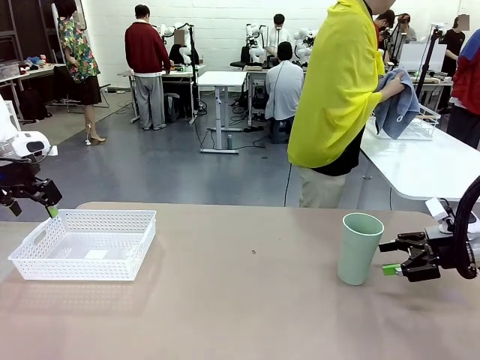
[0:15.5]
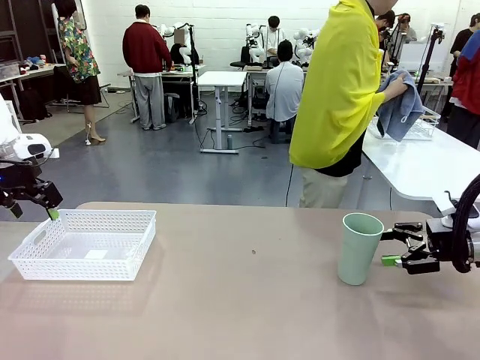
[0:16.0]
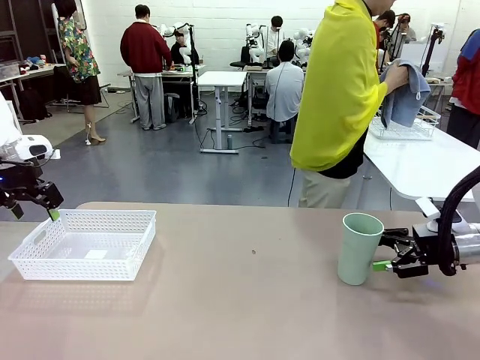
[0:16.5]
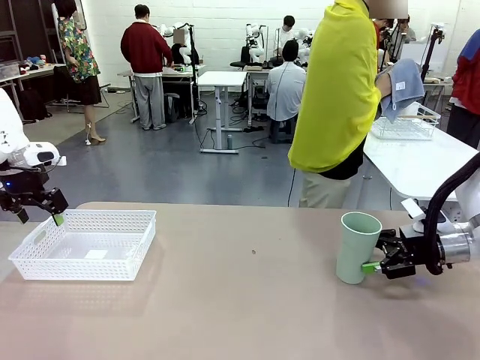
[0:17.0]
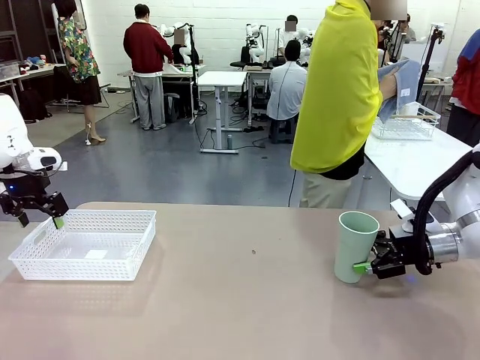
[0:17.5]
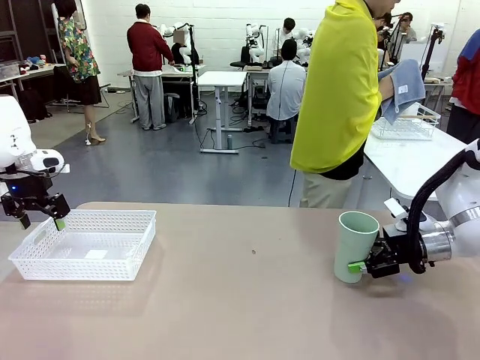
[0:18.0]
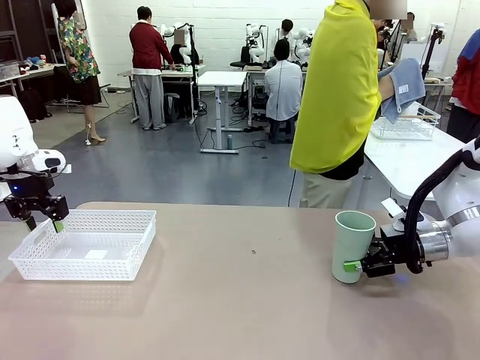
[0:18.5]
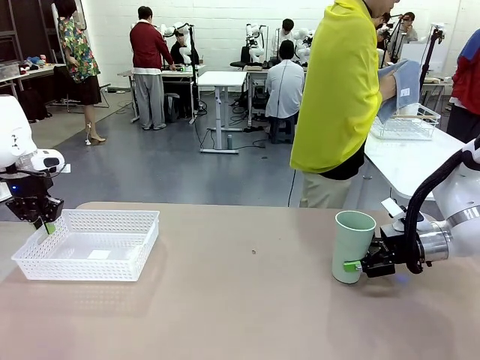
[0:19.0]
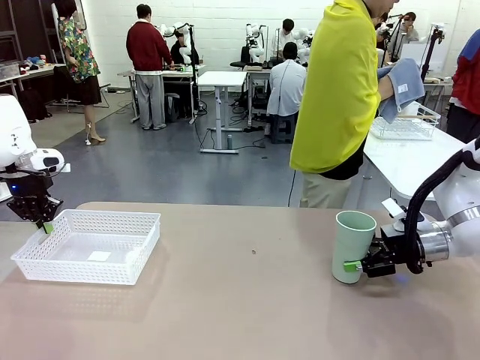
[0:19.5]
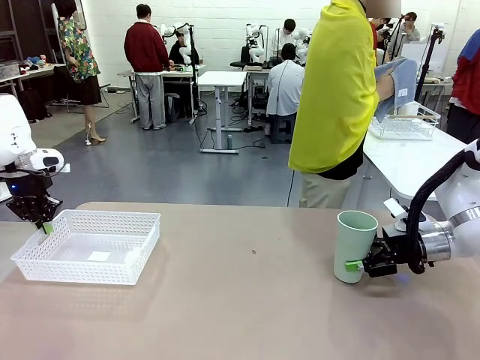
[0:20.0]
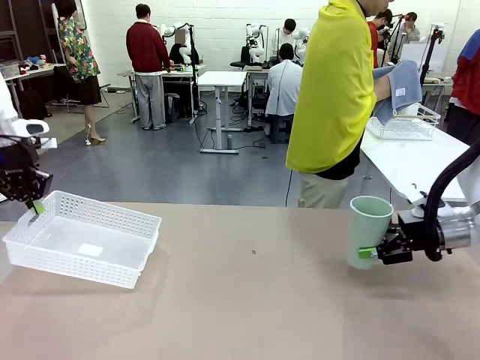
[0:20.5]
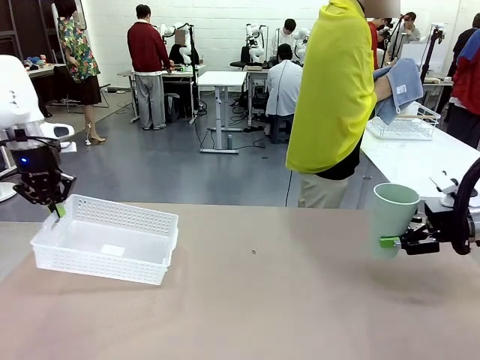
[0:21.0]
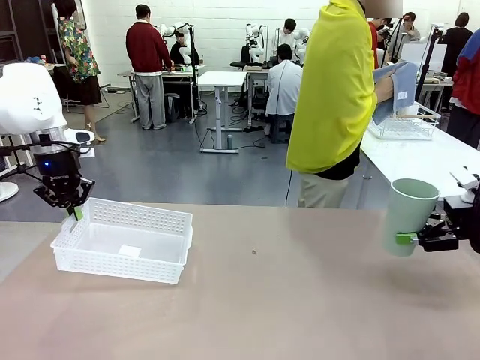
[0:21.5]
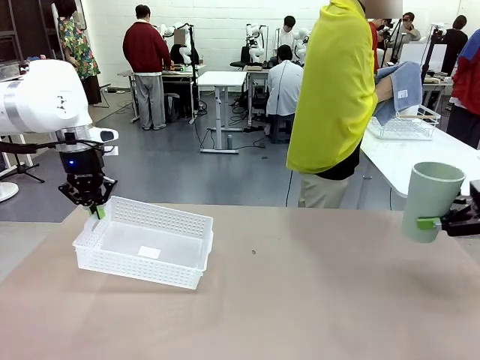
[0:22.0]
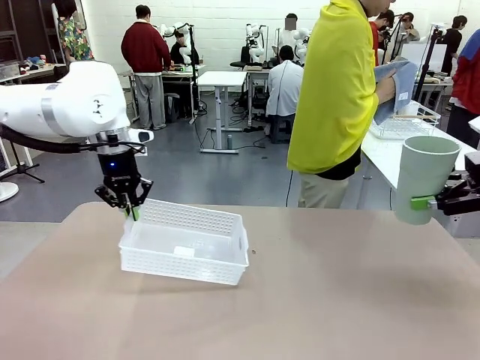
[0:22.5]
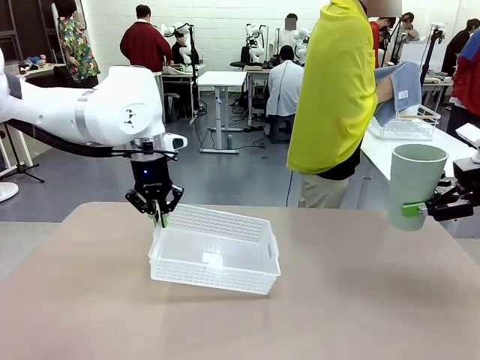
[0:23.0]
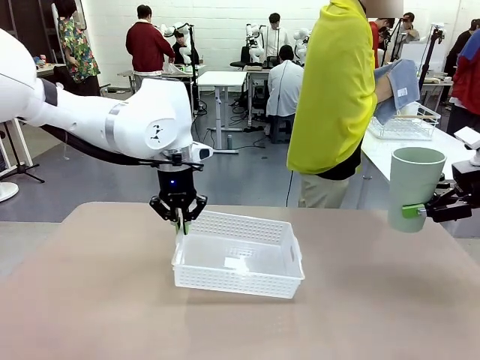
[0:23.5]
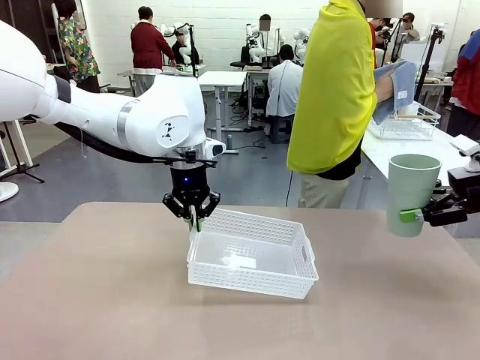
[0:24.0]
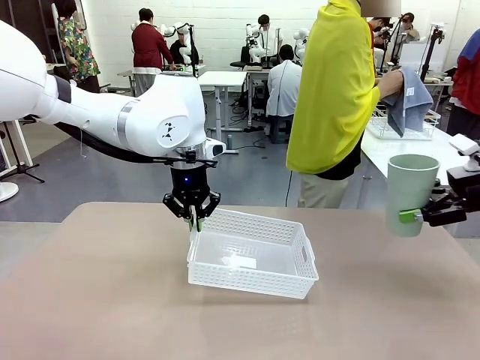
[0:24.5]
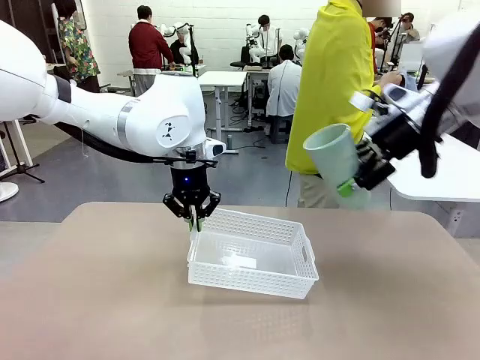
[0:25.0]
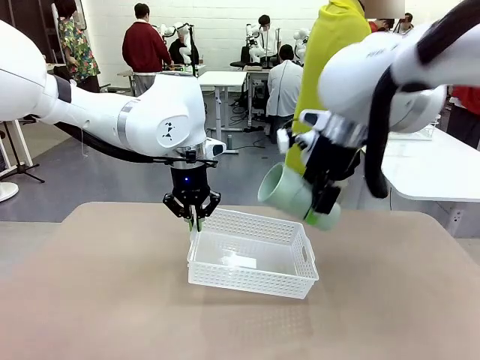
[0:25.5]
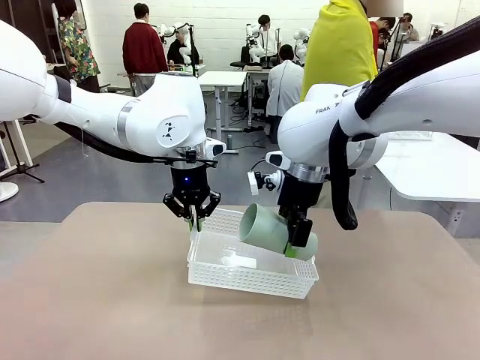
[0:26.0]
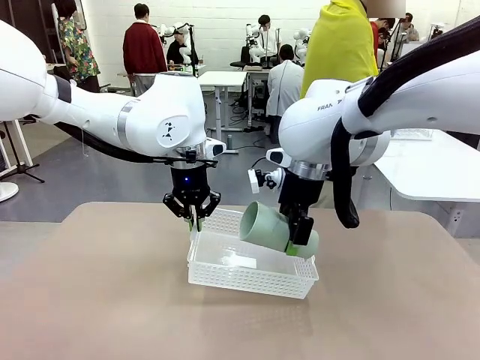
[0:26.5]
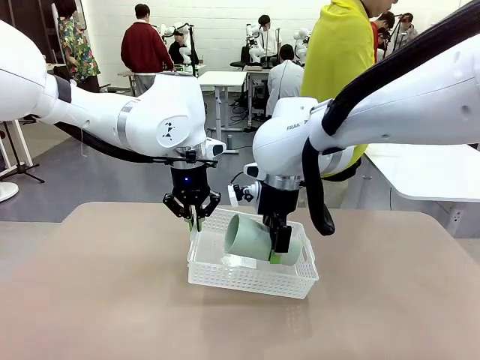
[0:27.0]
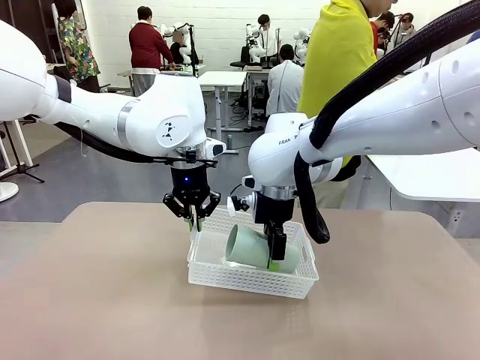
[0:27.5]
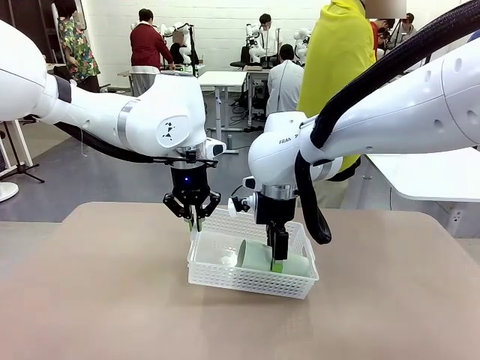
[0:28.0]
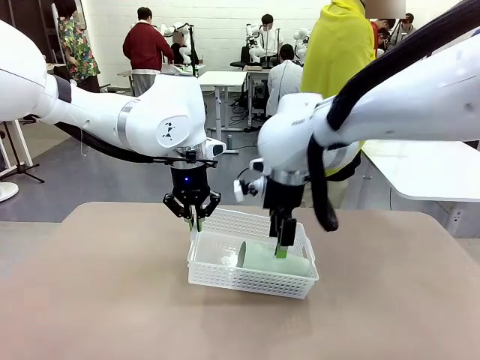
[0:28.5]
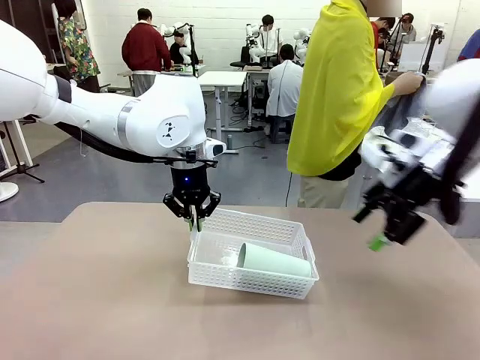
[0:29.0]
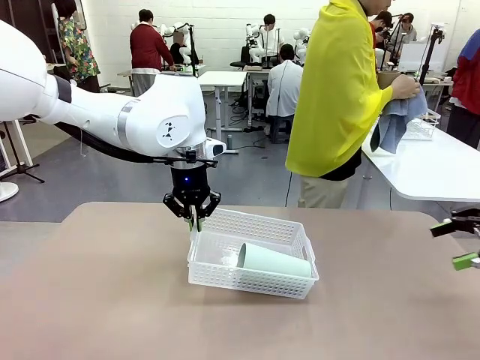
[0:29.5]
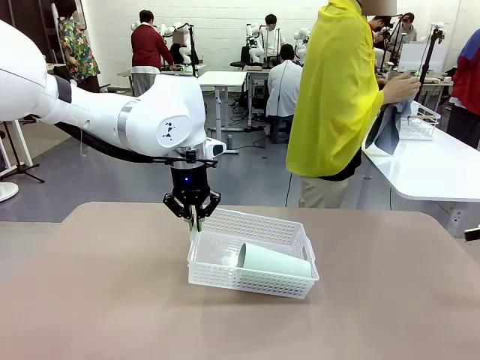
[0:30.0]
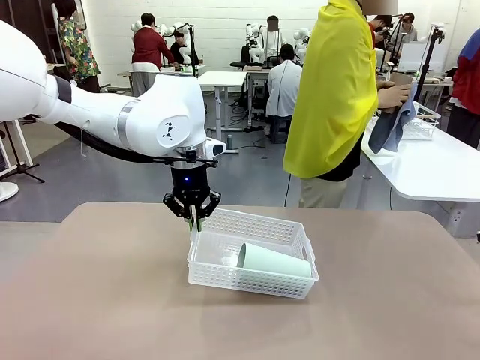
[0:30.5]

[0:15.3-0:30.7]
Task: Clean and organize the cups into the basket.
Robot: Pick up the Organizing basket and move it to the center of the table, then pick up the Reusable plastic cup from the right side of the table and place it inside the Organizing basket.

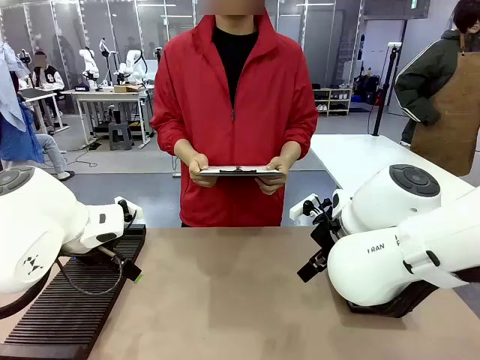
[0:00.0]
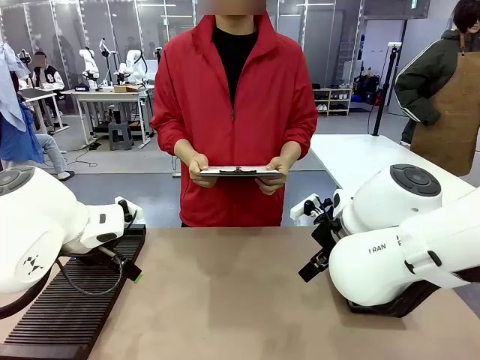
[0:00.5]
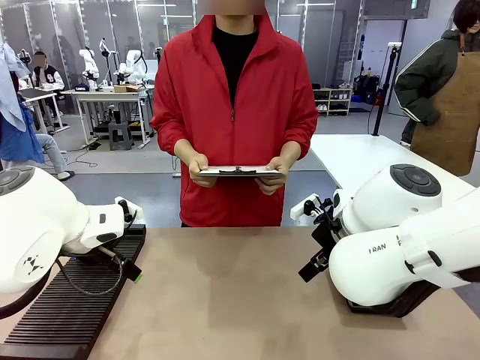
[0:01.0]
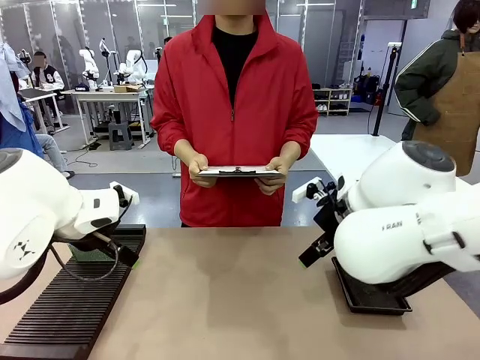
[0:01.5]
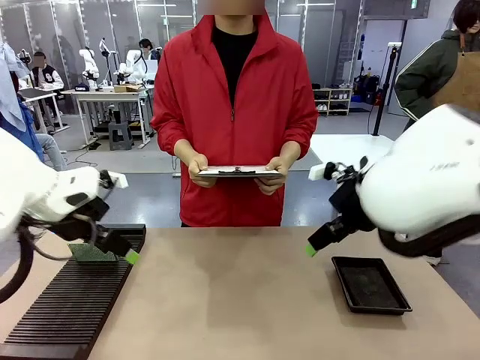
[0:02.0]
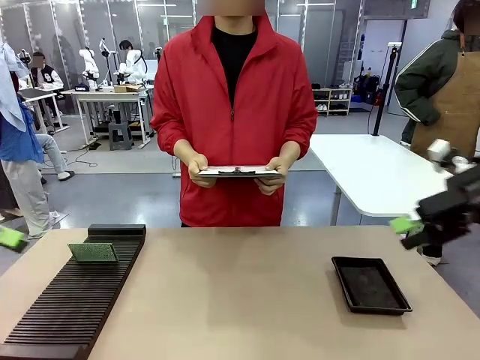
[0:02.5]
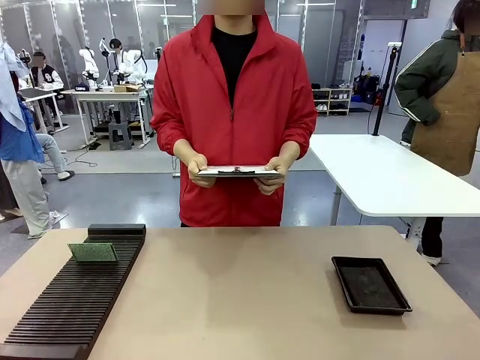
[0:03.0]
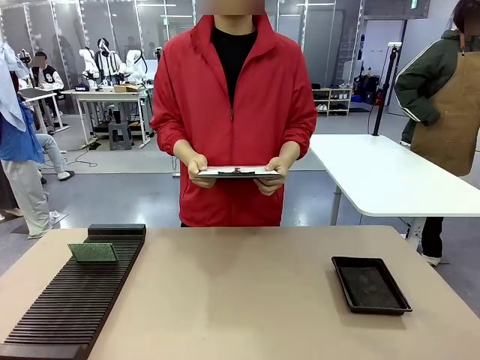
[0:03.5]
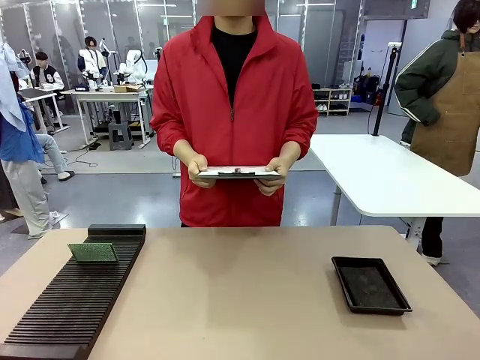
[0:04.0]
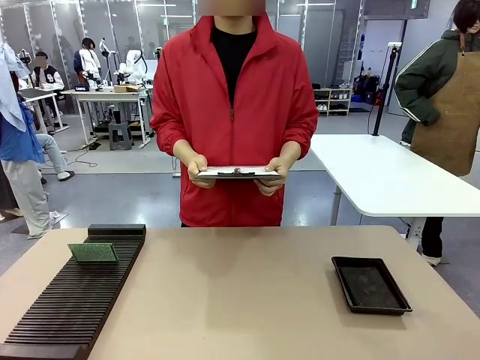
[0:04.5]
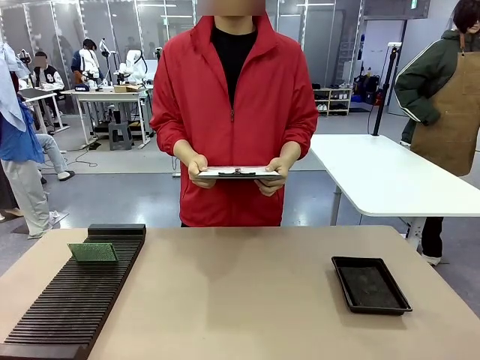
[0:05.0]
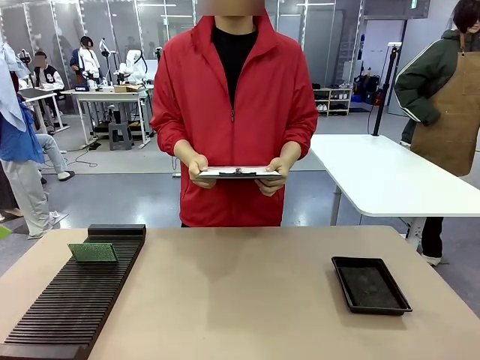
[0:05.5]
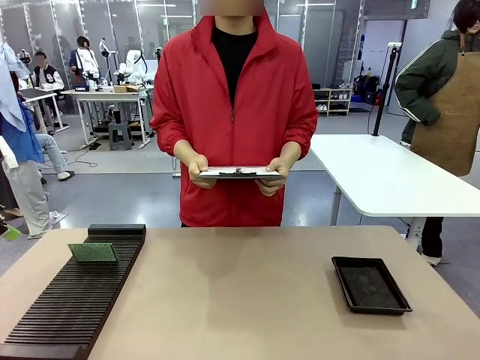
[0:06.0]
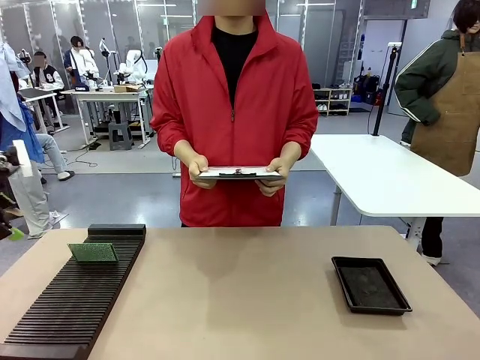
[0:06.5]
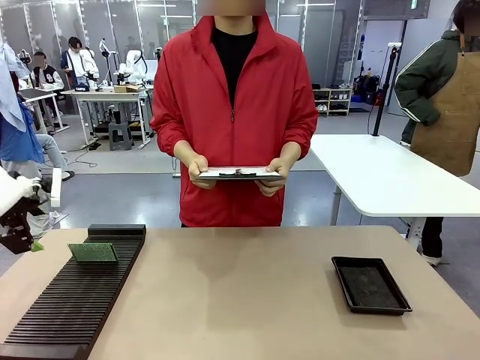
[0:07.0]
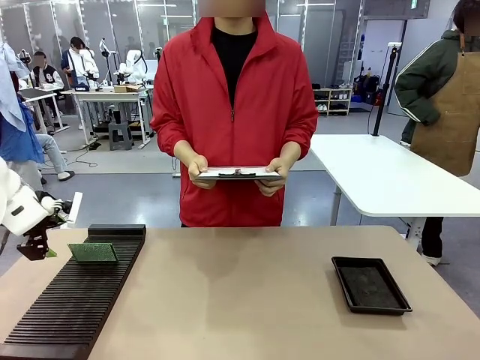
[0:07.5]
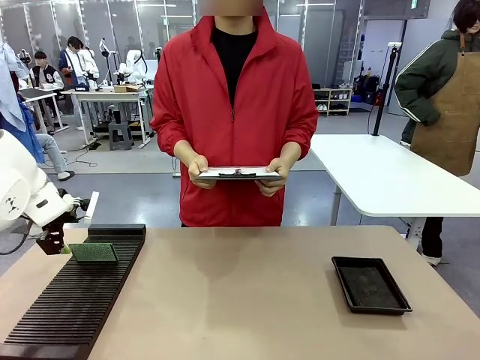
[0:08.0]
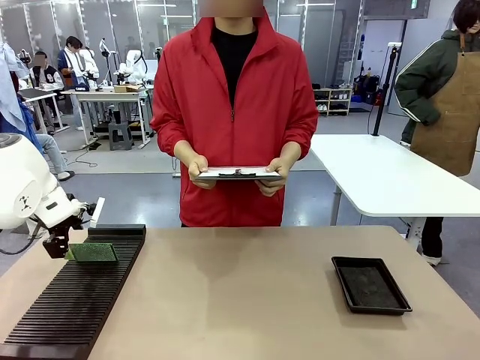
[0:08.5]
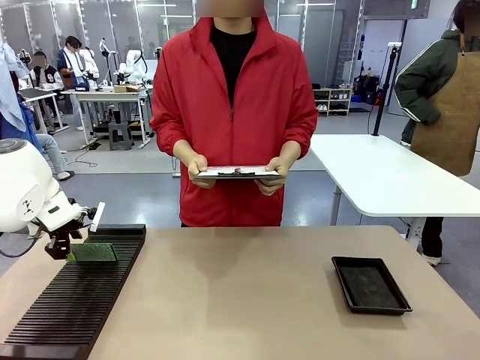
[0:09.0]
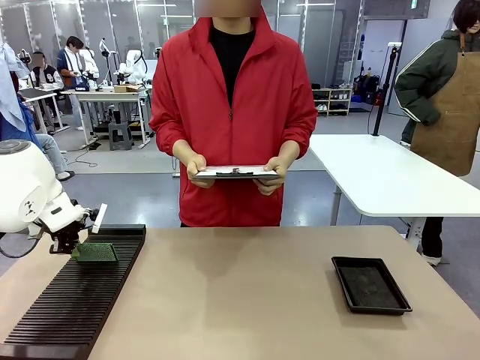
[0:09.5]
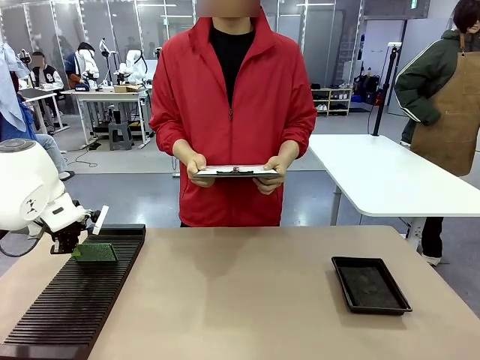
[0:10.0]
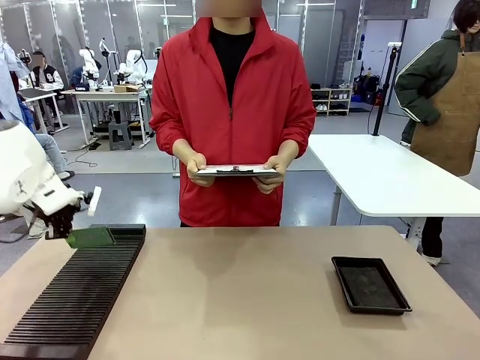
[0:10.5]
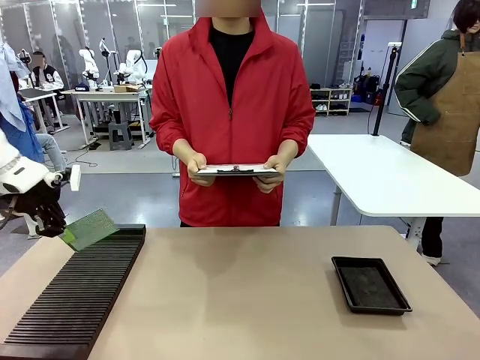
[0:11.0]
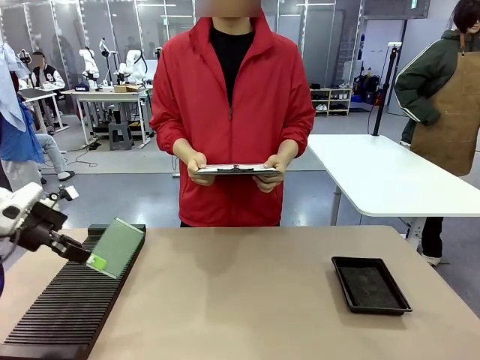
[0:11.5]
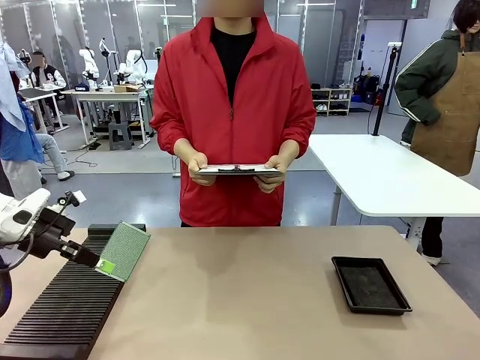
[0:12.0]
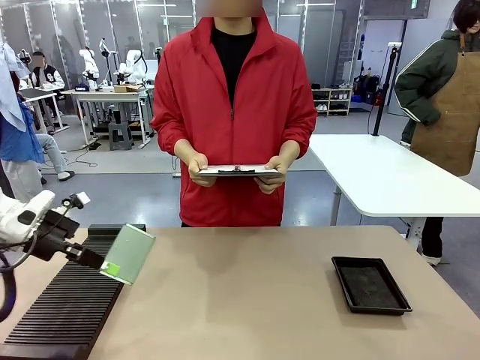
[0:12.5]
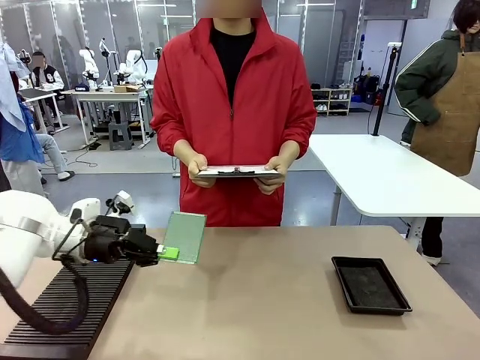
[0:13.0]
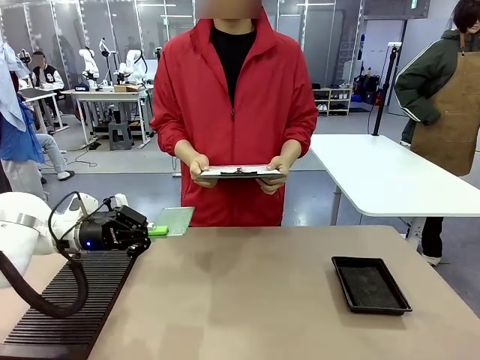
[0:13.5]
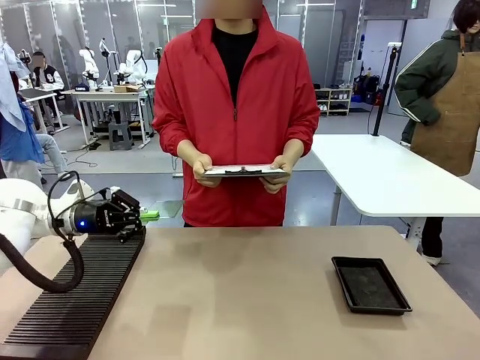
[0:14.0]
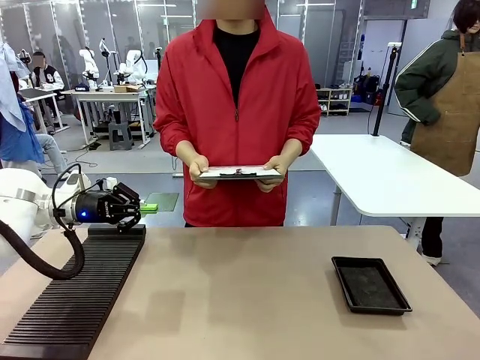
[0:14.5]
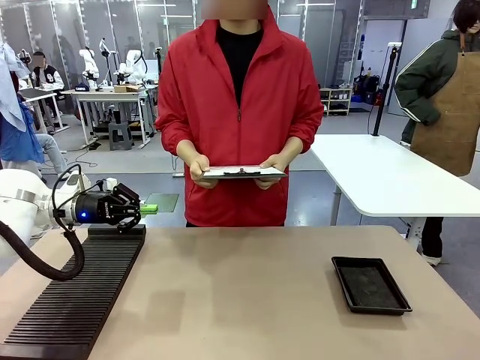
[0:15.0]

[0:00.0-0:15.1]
Task: Inspect the PCB.
Robot: Pick up the Blank PCB and present it to the human.
Person: Pick up the PCB presented by the robot.
